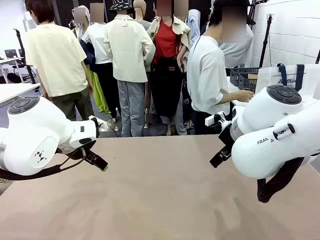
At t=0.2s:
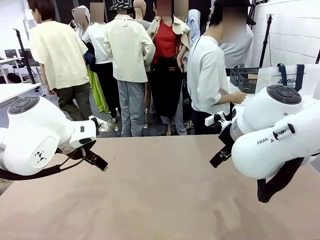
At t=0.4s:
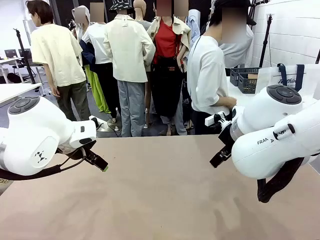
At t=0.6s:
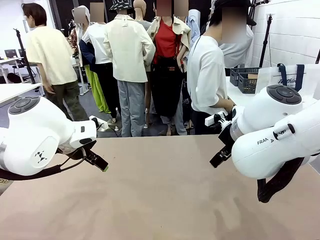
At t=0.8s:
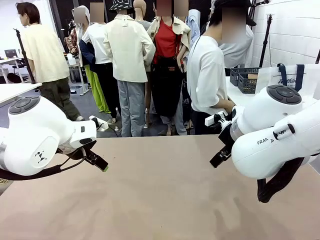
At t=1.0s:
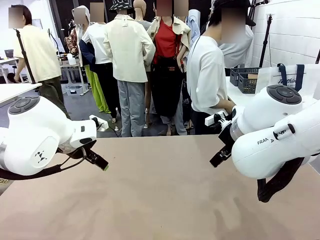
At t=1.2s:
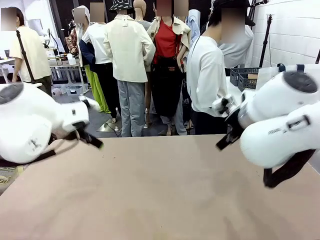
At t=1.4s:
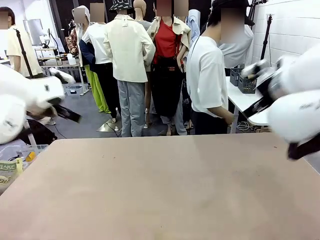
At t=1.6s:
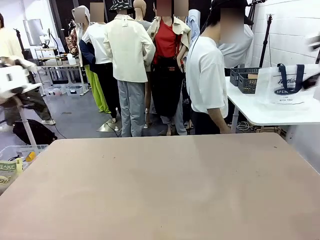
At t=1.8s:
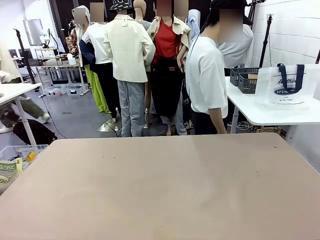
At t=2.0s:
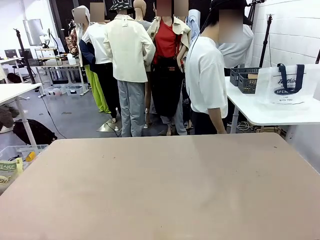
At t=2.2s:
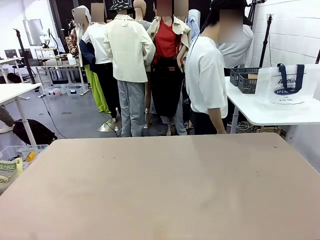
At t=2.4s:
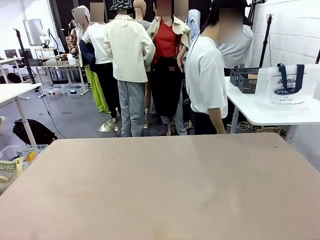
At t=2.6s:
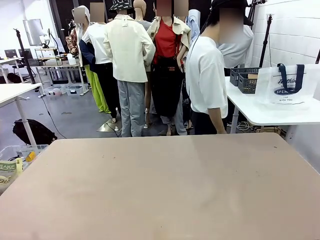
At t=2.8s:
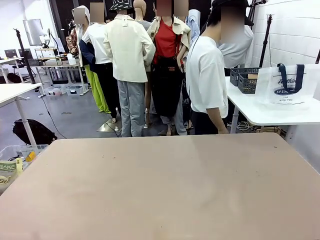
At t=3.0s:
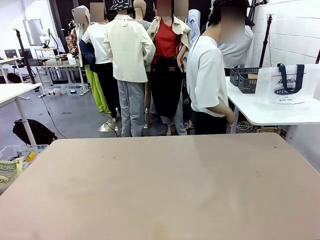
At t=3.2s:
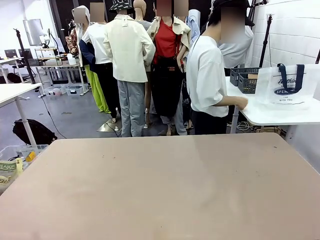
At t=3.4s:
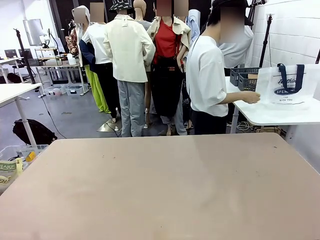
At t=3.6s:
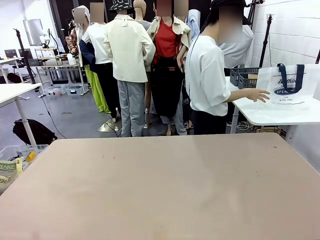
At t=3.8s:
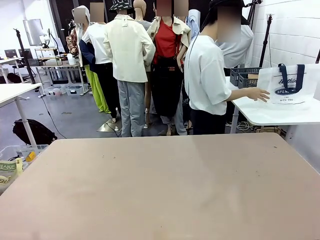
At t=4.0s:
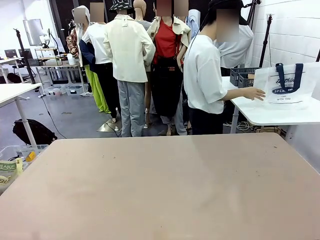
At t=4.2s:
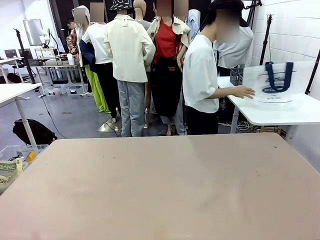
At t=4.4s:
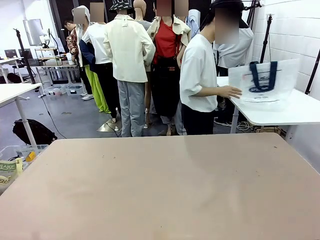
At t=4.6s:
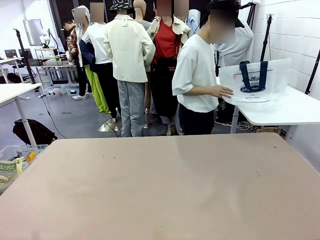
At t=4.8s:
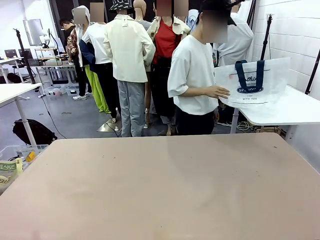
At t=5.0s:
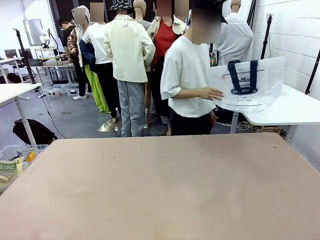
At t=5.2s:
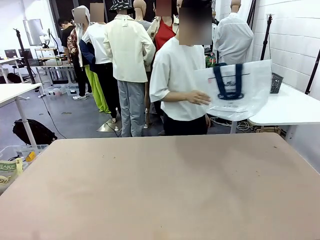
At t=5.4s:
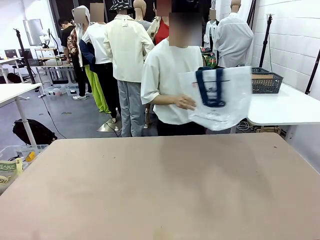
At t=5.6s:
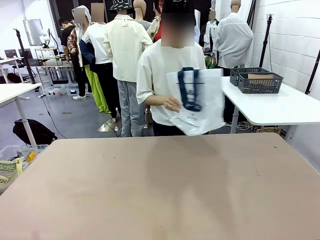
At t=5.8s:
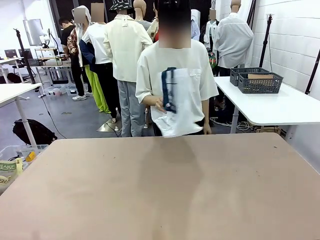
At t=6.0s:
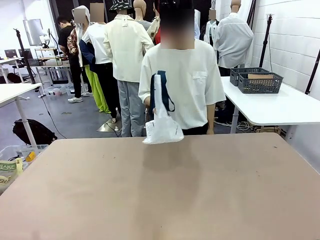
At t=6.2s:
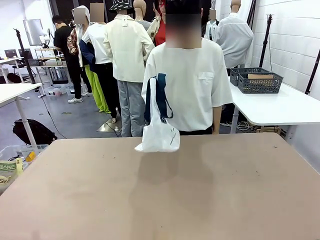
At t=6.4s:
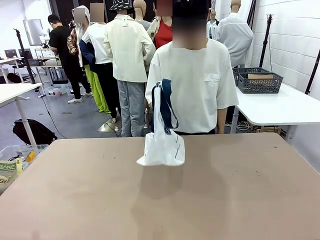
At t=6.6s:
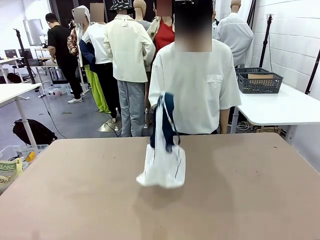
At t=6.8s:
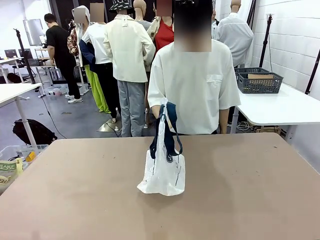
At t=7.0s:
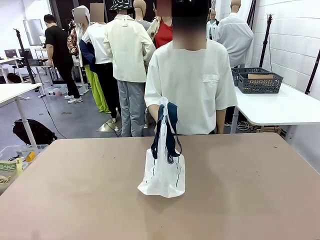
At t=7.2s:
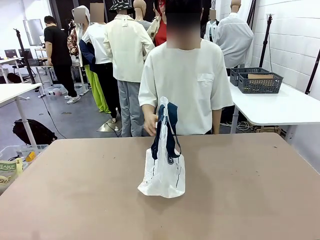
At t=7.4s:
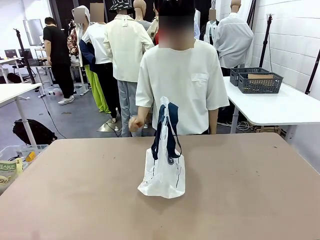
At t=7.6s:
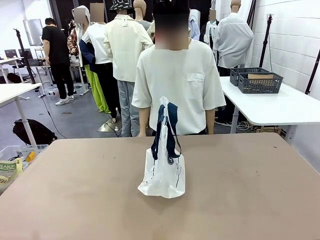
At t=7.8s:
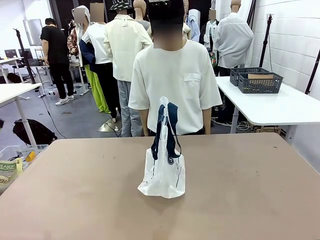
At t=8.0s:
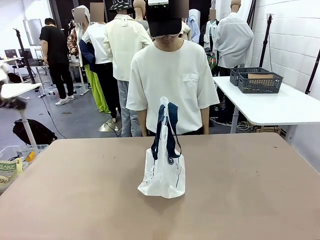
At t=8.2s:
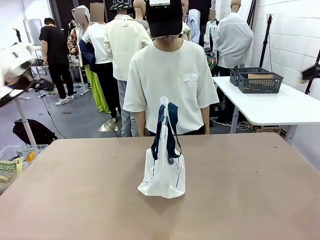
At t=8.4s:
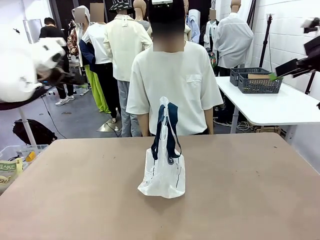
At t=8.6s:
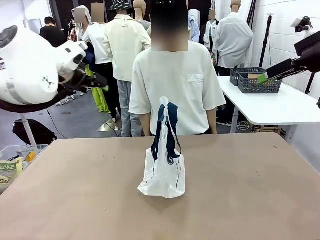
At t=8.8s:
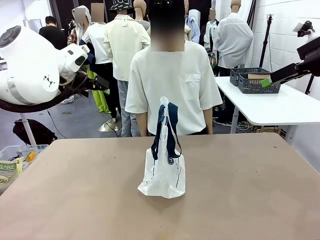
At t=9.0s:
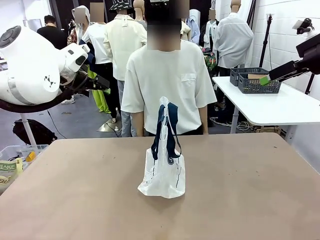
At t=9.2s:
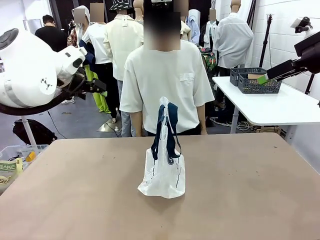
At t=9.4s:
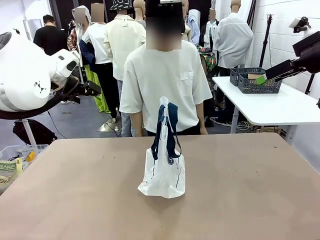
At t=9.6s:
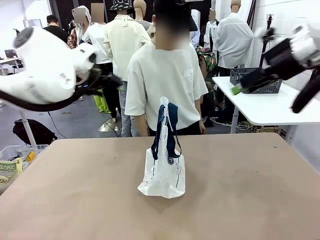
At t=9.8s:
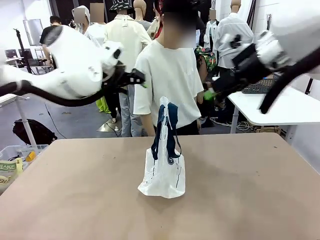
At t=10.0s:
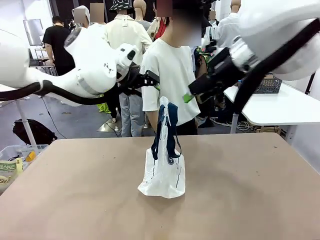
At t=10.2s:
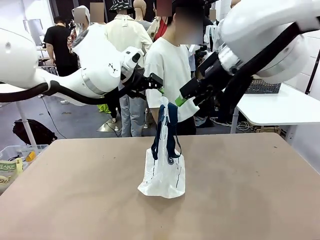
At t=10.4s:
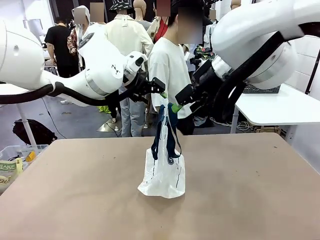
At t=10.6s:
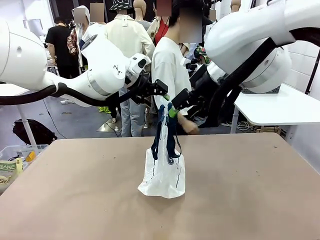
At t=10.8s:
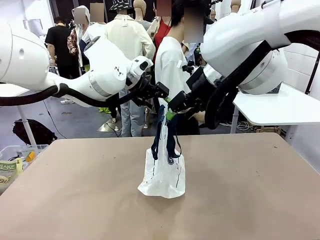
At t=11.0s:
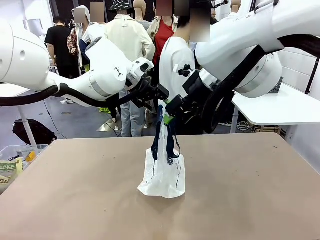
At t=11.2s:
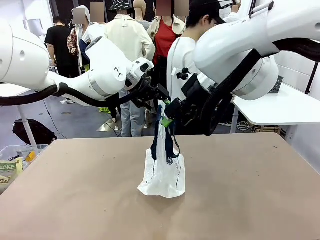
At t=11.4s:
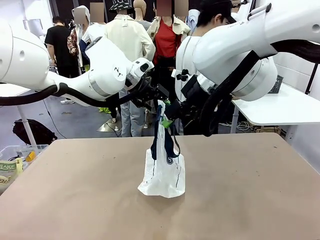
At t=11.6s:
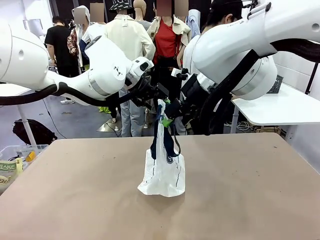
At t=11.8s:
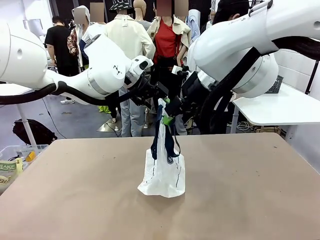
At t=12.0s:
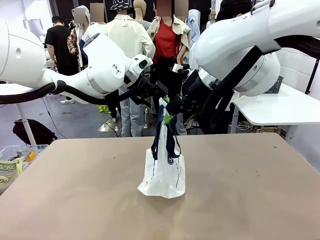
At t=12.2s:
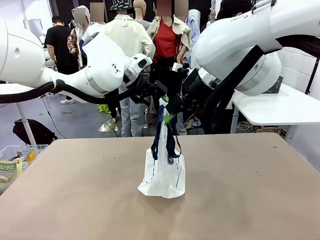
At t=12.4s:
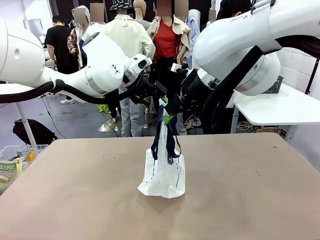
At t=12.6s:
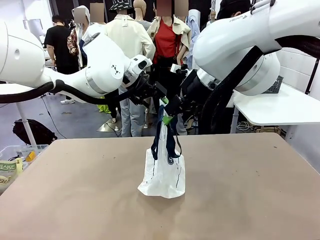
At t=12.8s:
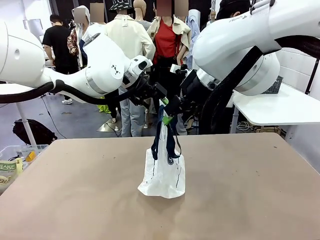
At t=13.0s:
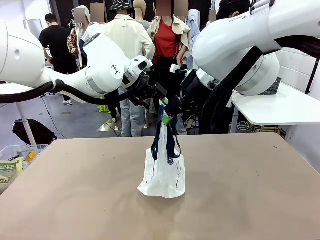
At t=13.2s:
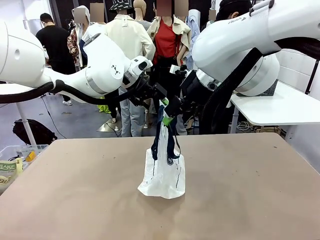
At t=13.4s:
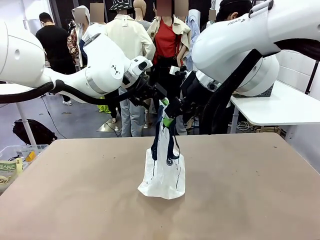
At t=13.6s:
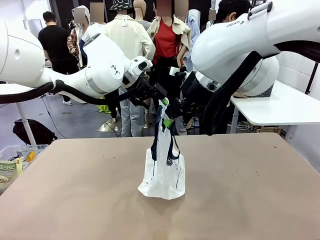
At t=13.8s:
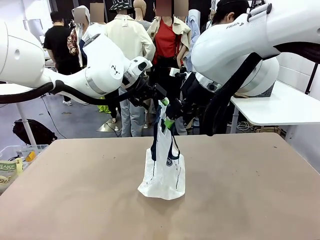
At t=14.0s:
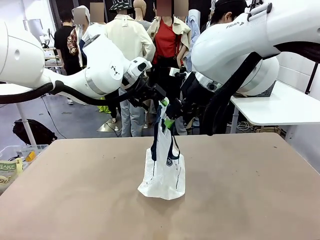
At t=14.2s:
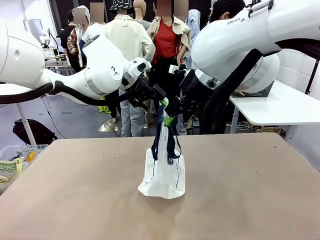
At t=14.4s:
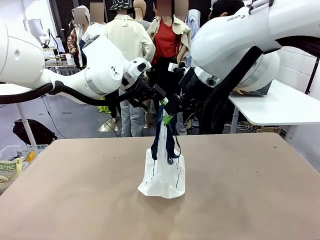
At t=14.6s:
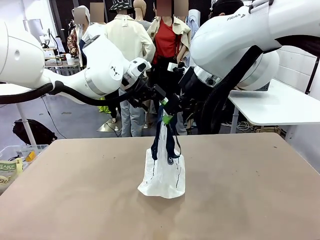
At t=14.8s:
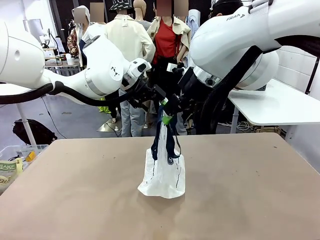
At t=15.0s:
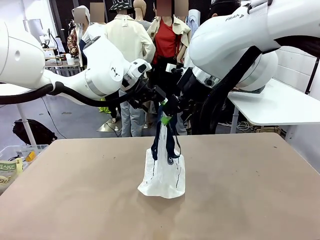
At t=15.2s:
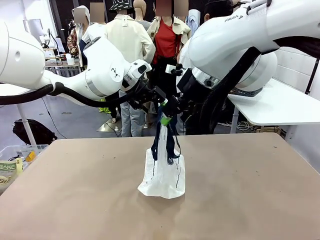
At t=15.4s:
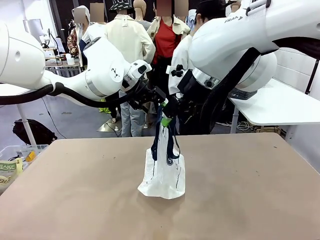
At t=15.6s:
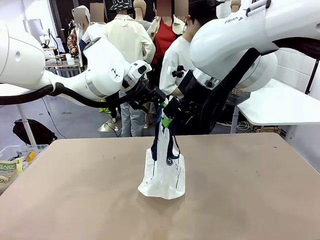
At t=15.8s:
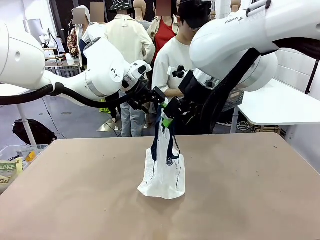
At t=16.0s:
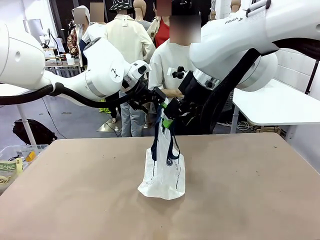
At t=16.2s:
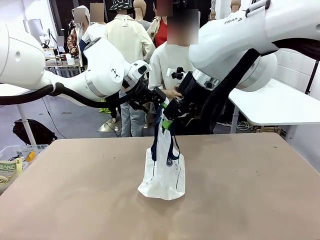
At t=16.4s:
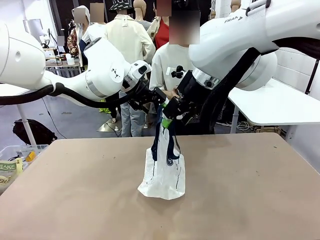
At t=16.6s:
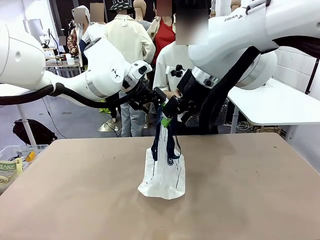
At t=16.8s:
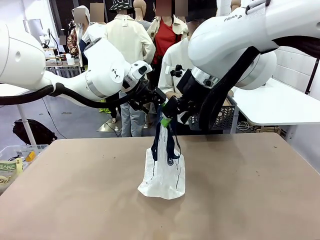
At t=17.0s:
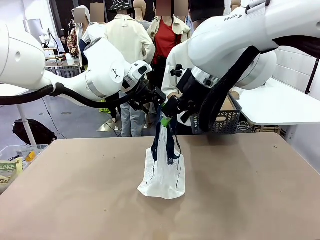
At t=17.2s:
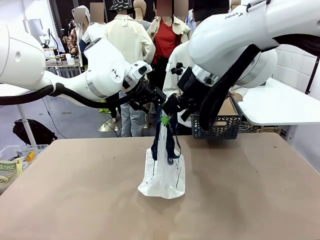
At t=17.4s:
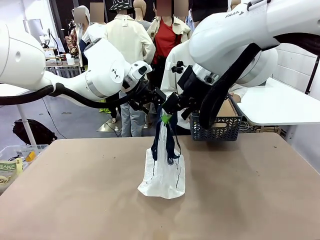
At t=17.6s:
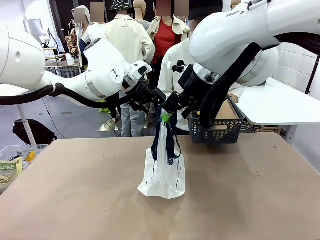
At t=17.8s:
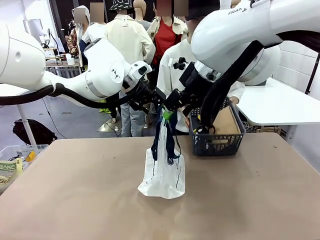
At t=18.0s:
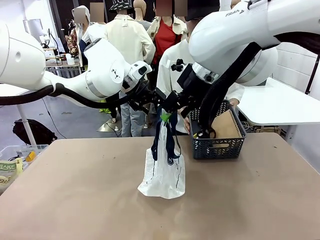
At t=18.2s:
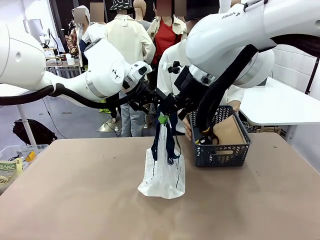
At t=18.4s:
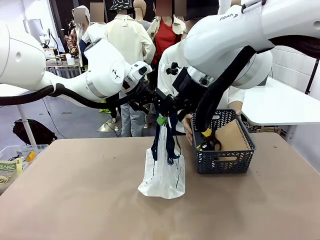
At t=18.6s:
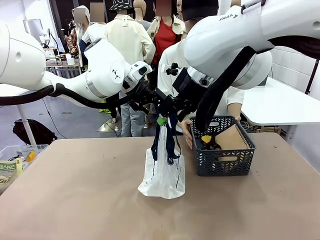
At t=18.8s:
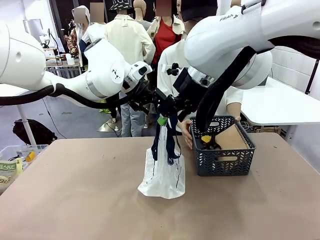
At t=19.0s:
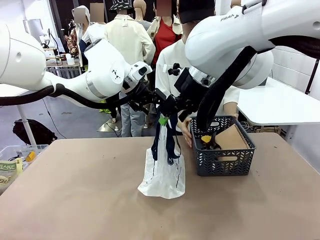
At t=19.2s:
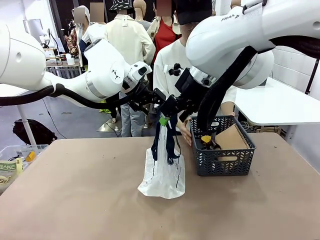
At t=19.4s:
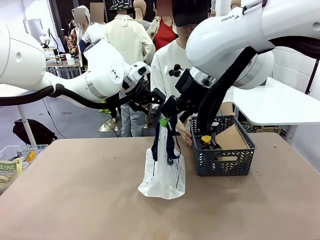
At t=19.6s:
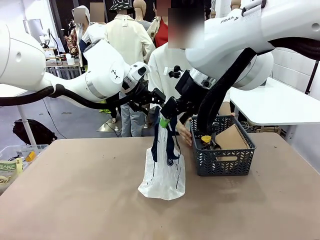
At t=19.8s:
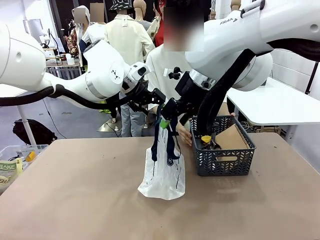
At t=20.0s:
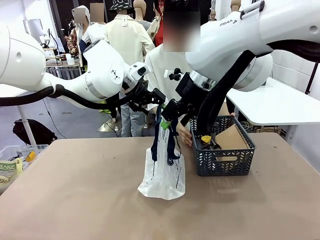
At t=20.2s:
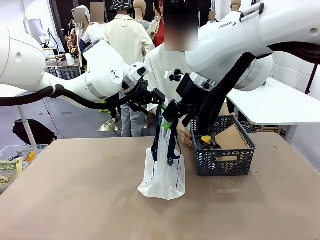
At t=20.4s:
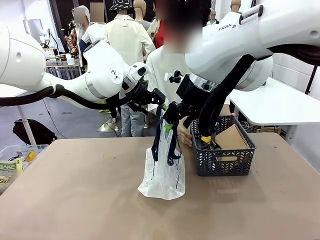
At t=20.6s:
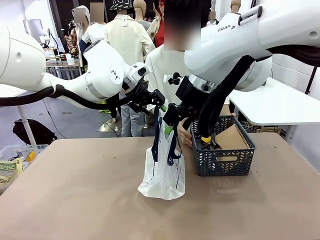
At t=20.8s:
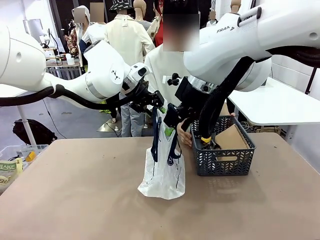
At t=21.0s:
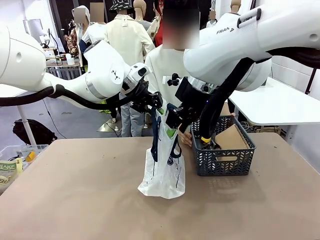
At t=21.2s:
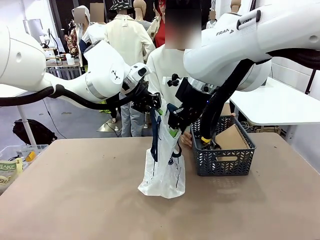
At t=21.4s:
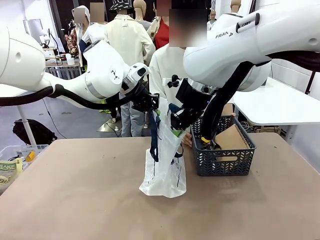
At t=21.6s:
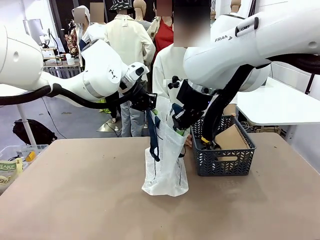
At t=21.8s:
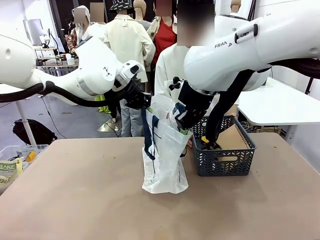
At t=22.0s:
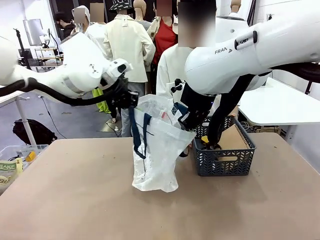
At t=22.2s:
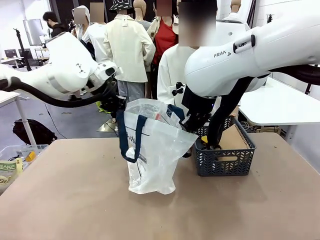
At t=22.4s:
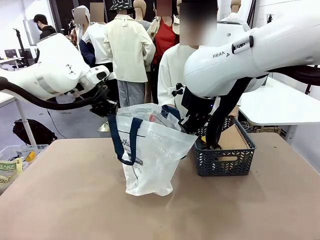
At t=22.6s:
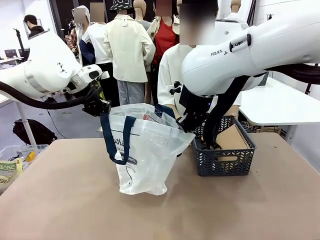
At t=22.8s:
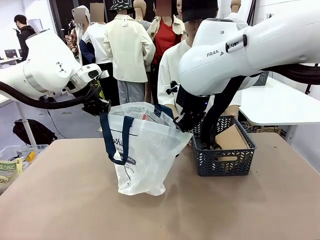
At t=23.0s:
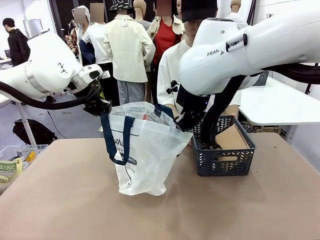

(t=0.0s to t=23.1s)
Task: Transfer purchased items from the store into the shopping bag.
Robot: Open the Reusable shopping bag in the center of the table.
Person: Pick up the shopping bag and place it in the middle of the robot table. Pick up the basket on the right, place it on the left side of the robot table, and move the items in the basket to the shopping bag.
